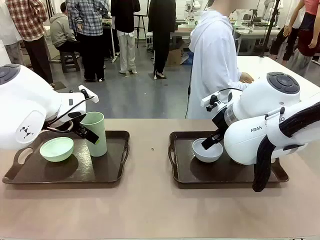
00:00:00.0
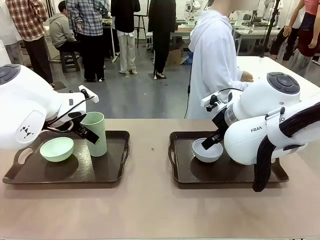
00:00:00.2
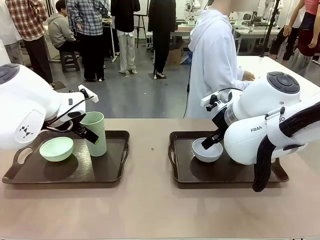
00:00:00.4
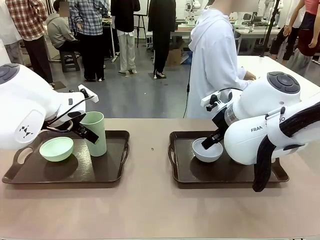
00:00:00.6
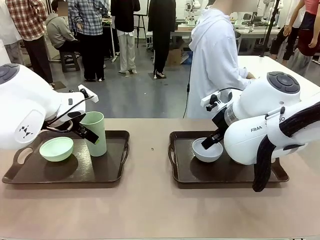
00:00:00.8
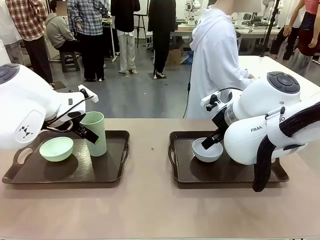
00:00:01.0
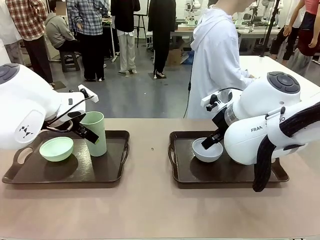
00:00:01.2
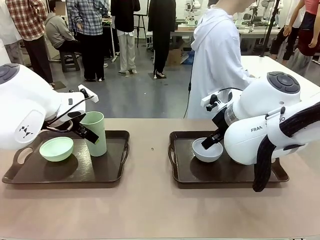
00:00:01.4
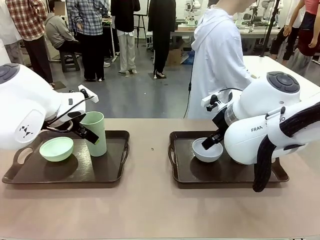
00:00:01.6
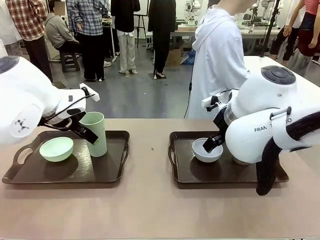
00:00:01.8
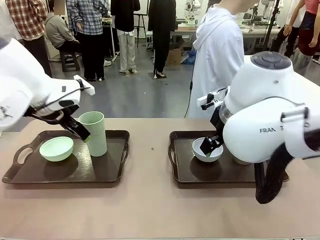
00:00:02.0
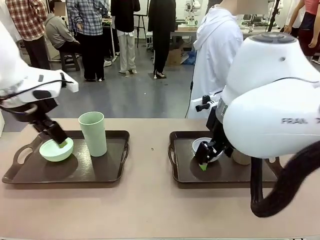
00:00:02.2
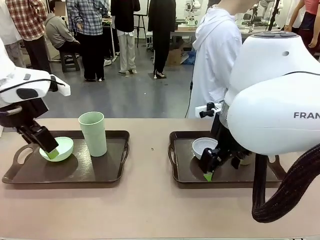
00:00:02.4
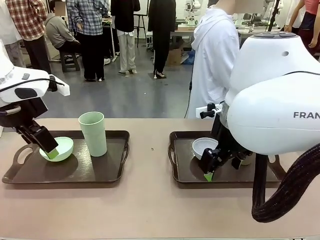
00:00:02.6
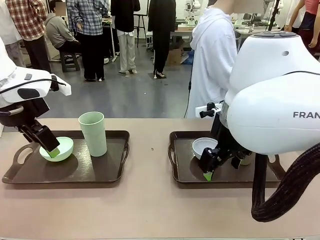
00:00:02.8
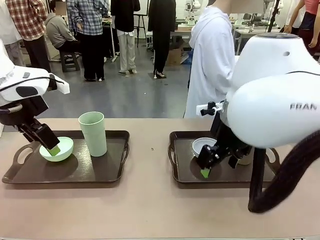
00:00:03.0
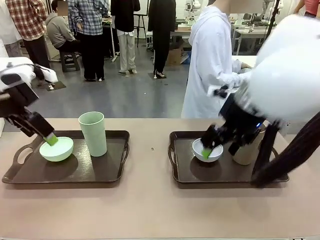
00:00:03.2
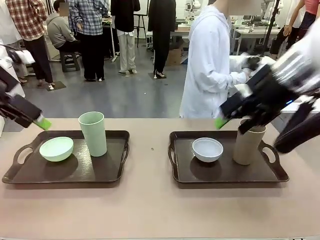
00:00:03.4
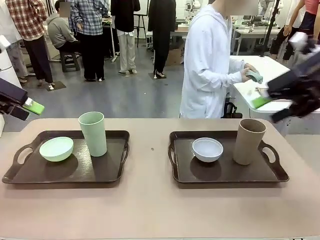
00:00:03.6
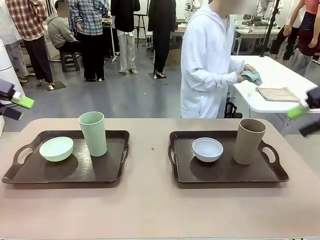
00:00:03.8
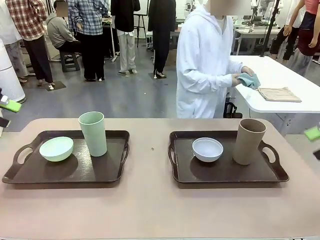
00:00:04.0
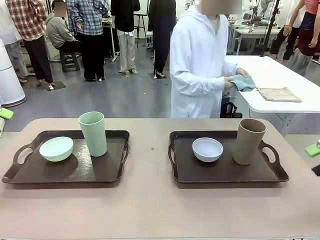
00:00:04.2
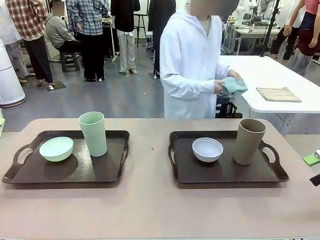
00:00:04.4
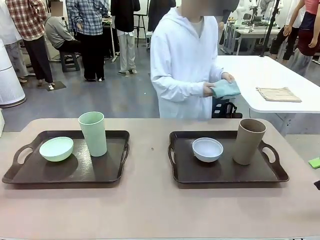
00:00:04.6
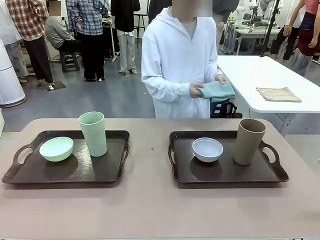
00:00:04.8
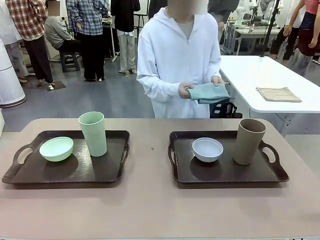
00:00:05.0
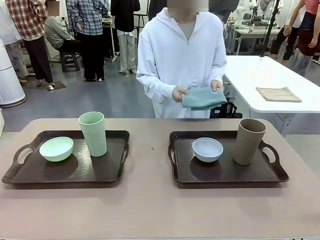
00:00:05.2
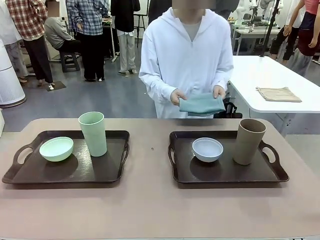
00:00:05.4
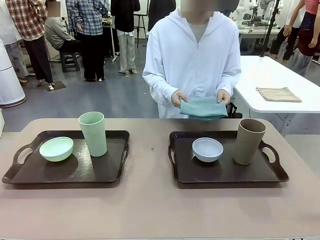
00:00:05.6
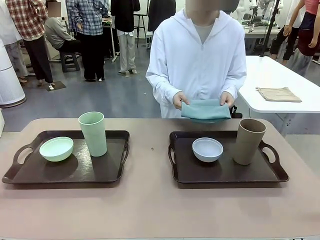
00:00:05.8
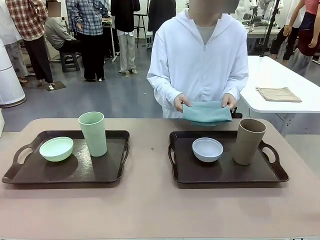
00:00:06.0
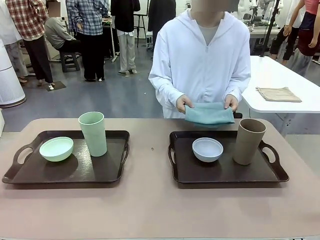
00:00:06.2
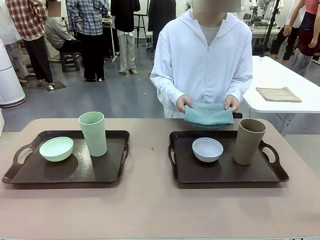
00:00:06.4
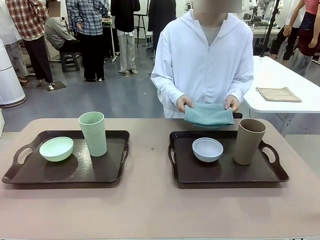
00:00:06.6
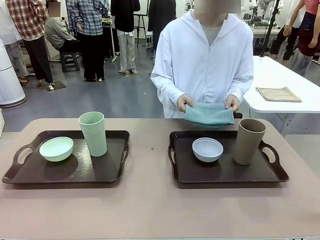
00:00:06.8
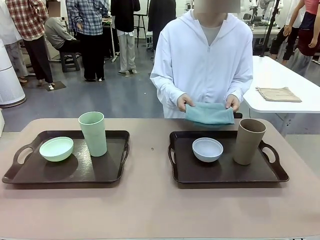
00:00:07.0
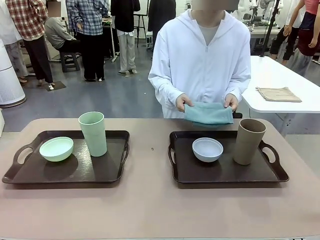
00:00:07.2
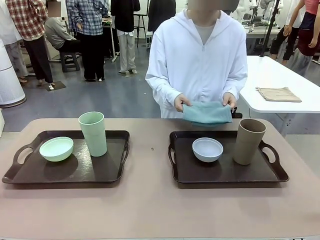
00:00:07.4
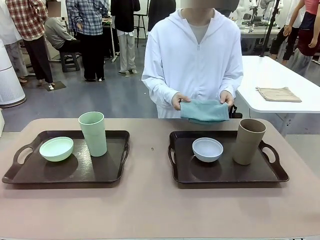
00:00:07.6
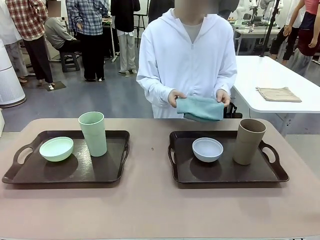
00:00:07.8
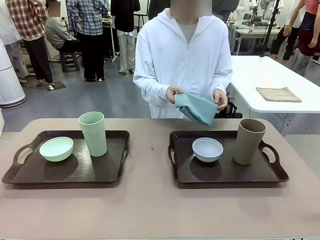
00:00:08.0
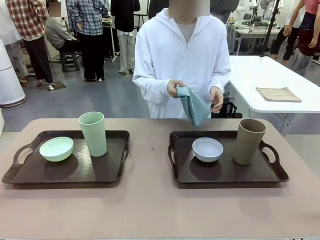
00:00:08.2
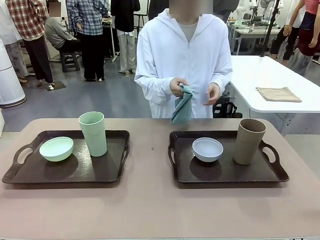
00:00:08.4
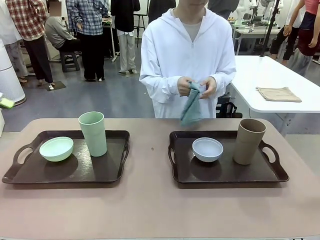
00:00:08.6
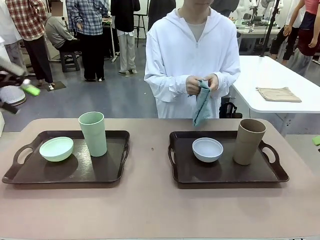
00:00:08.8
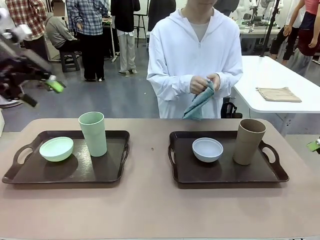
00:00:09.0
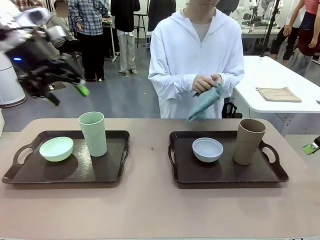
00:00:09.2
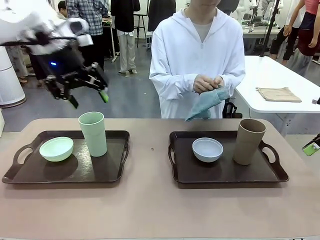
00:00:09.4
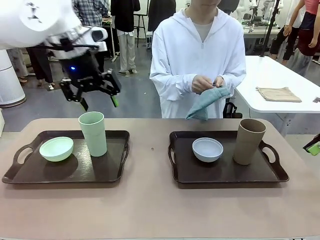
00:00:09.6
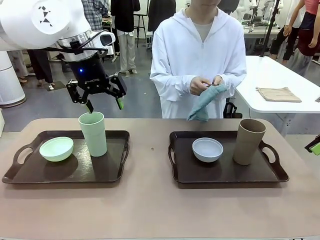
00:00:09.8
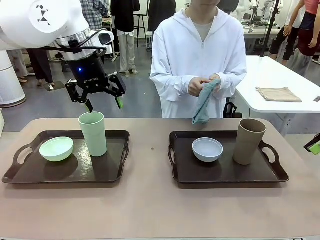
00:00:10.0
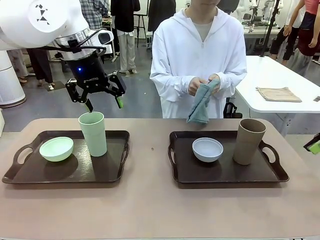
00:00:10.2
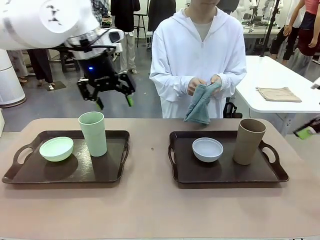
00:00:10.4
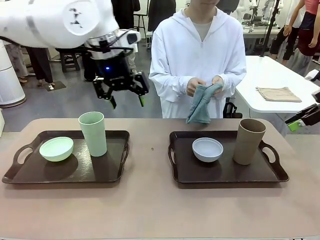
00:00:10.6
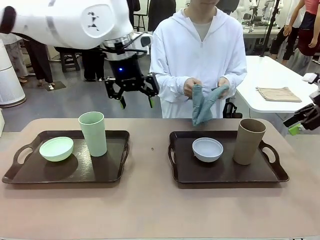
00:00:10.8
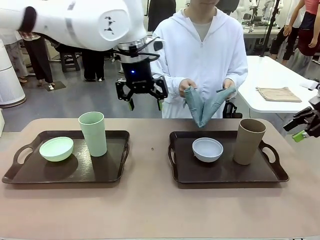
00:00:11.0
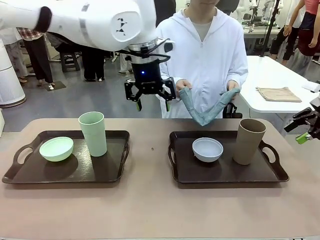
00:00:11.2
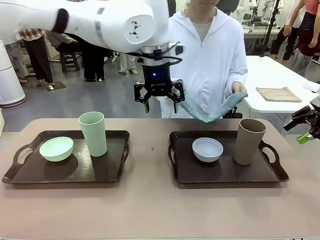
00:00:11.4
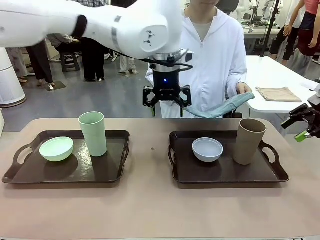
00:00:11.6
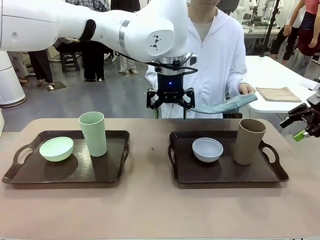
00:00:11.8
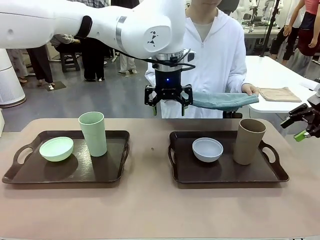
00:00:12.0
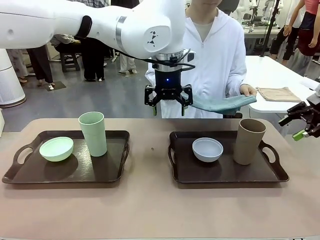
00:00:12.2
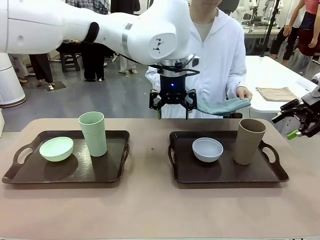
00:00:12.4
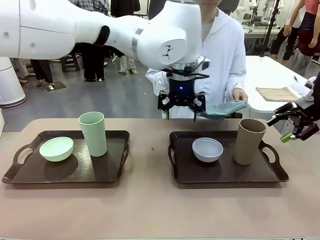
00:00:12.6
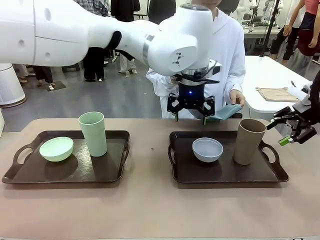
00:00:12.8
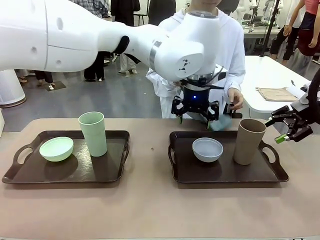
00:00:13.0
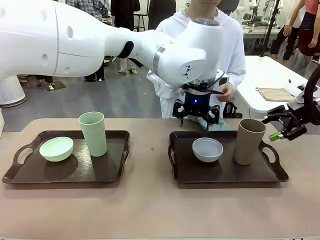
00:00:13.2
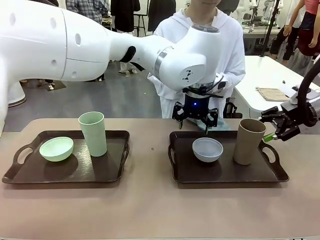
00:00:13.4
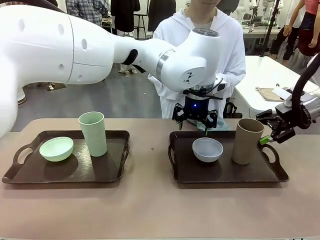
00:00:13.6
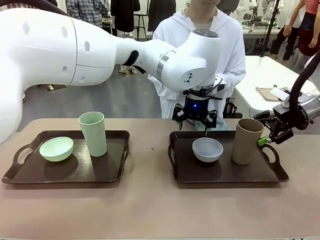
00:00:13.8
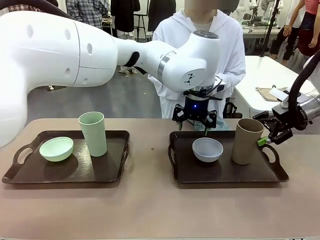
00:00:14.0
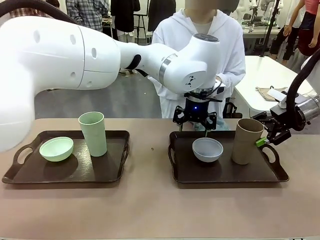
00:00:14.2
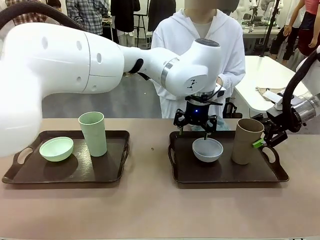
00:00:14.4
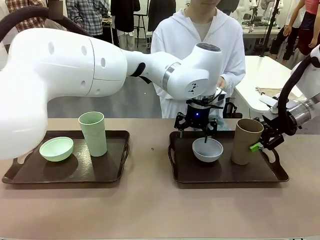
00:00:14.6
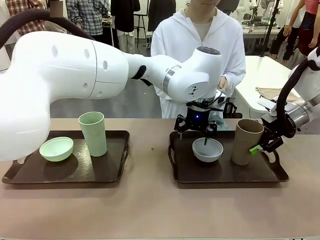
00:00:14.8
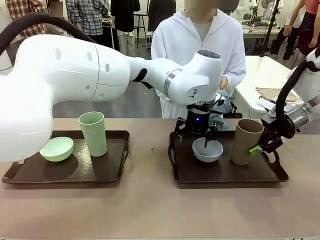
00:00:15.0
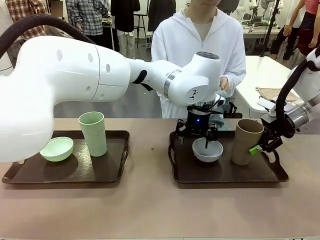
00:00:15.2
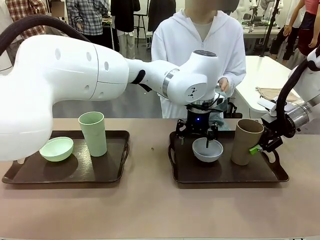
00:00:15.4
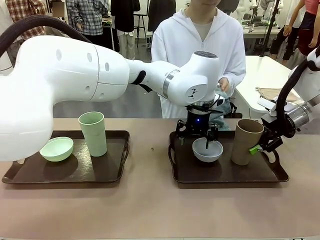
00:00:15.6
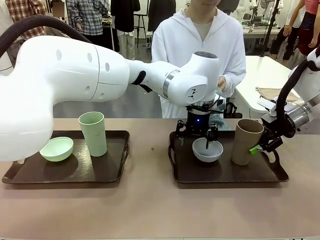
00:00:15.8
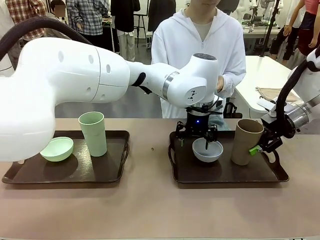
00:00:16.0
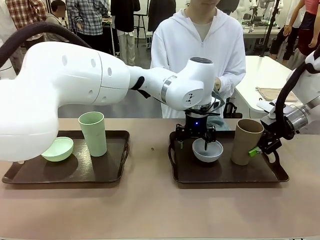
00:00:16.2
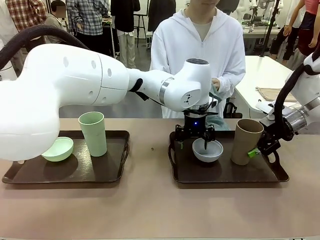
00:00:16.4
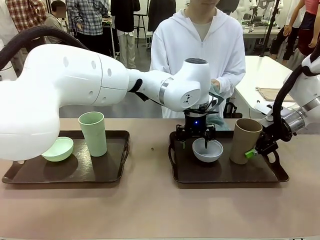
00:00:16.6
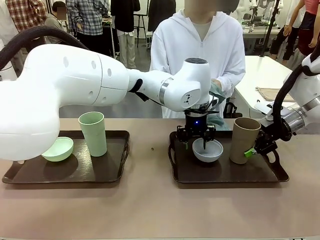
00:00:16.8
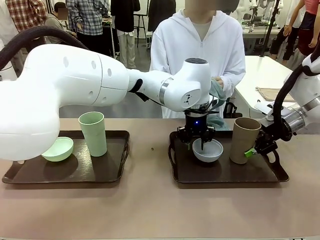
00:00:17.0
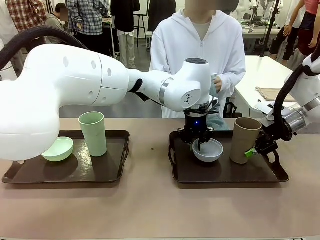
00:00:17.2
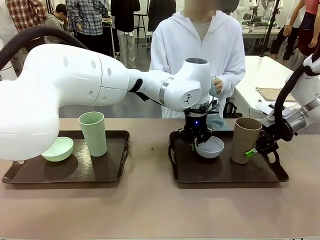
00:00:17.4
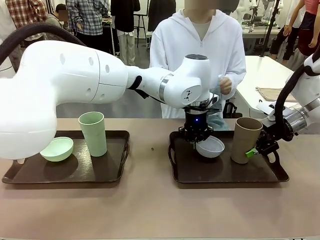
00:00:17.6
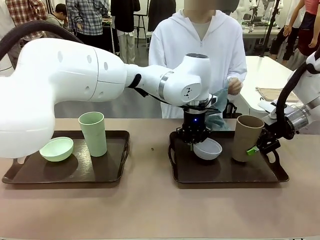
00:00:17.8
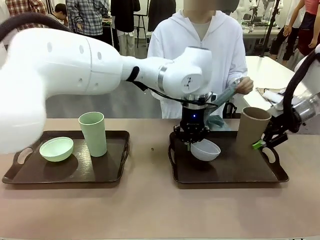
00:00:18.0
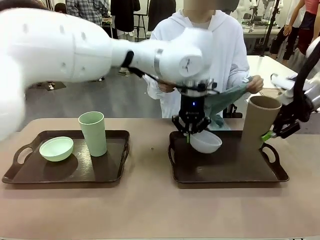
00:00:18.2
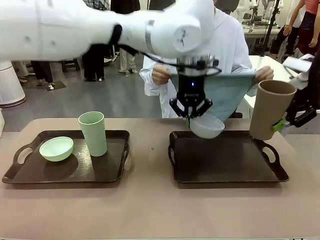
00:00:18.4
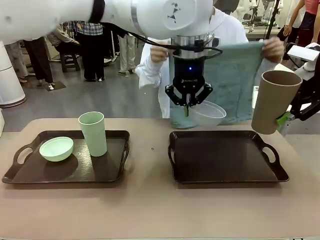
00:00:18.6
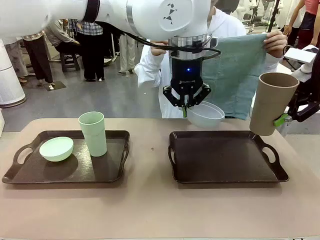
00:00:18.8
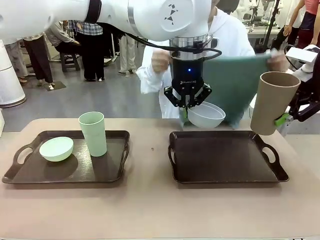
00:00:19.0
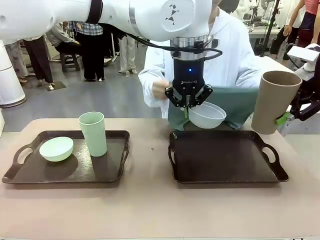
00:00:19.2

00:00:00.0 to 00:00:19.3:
Robot: Pick up the Picnic Bowl and Reusable plastic cup from the Handle tray in front of the human's position and hold them in the air.
Person: The human picks up the top napkin from the stack on the human table and walks to the robot table to stand in front of one of the two trays. When the robot lifts the bowl and the cup, the human unfolds the napkin and lays the napkin flat on the tray.
